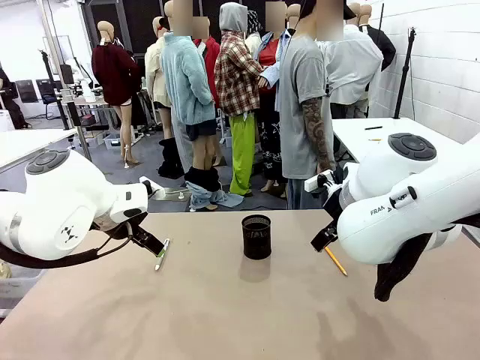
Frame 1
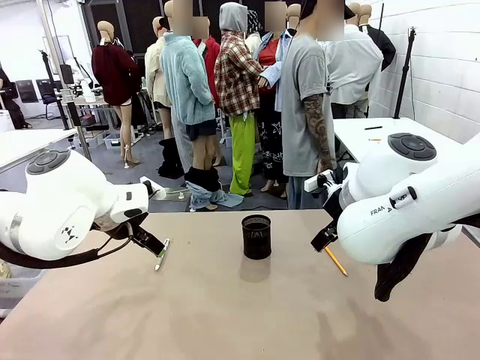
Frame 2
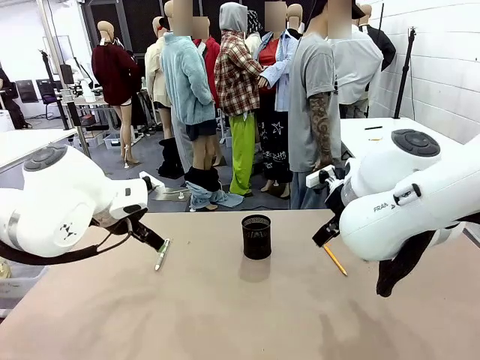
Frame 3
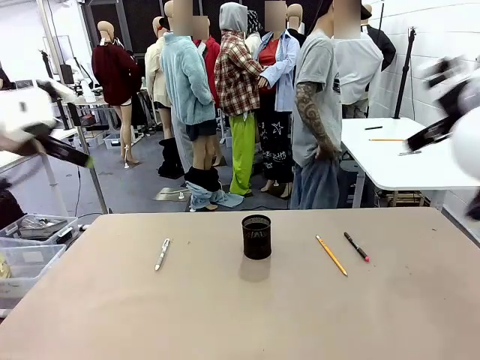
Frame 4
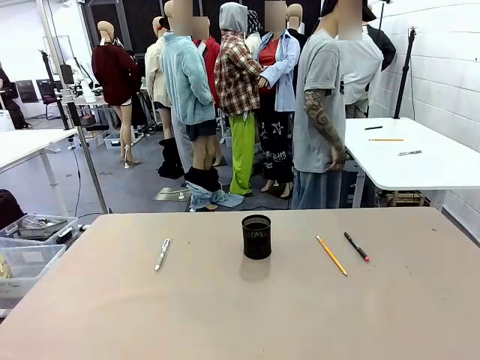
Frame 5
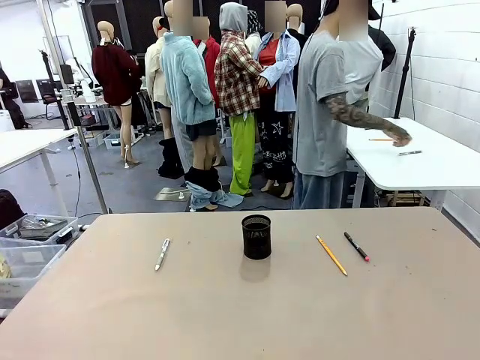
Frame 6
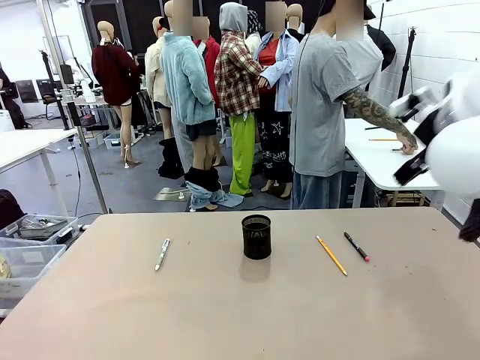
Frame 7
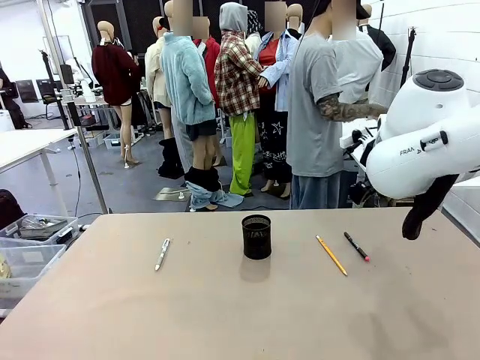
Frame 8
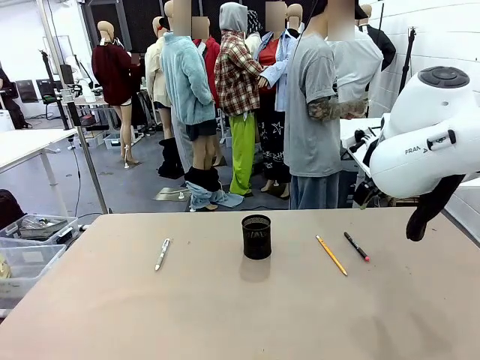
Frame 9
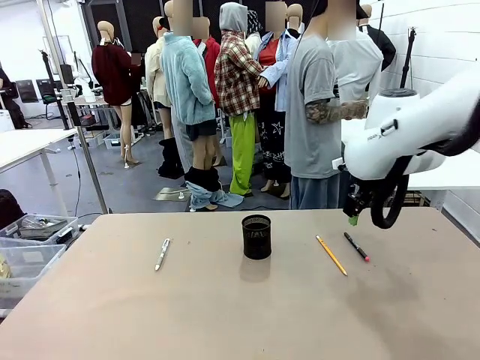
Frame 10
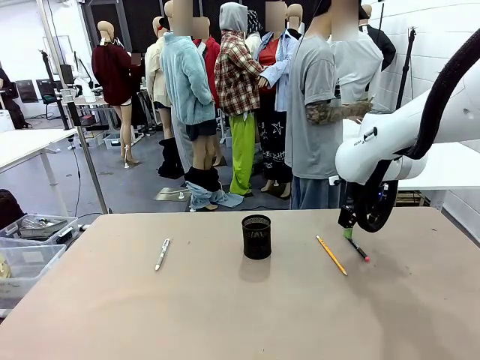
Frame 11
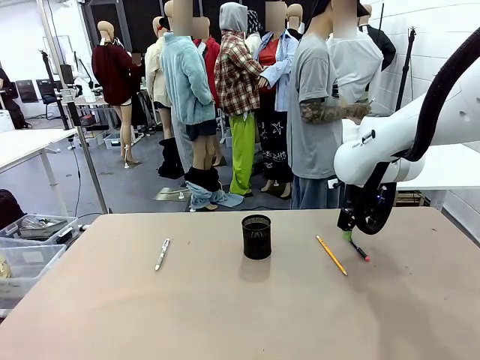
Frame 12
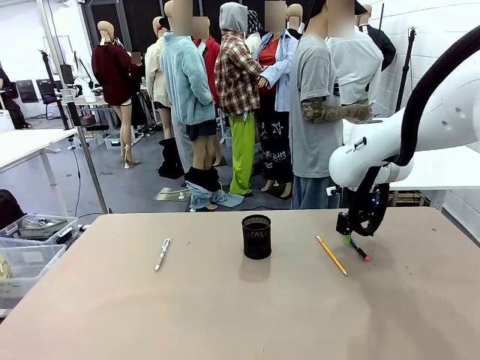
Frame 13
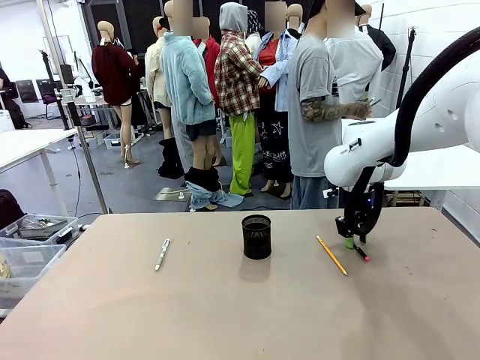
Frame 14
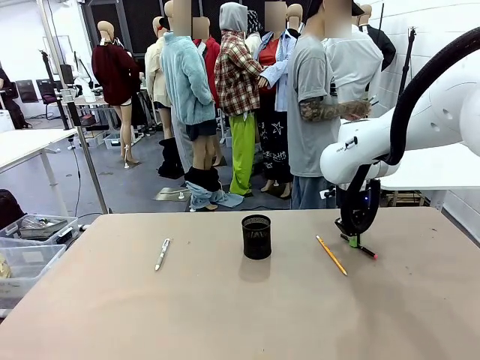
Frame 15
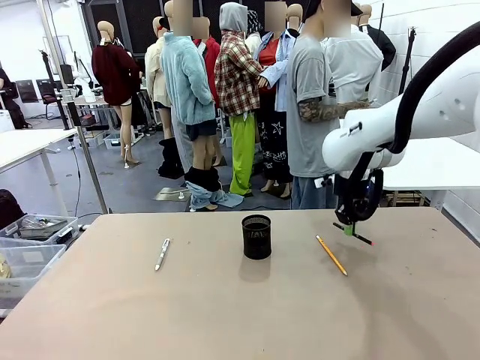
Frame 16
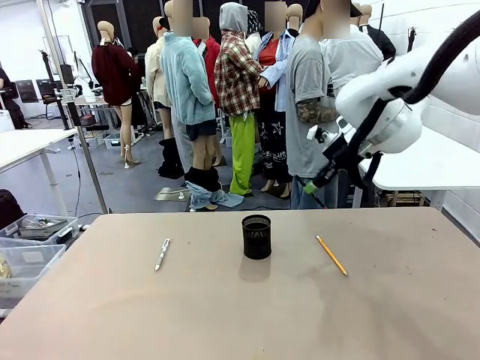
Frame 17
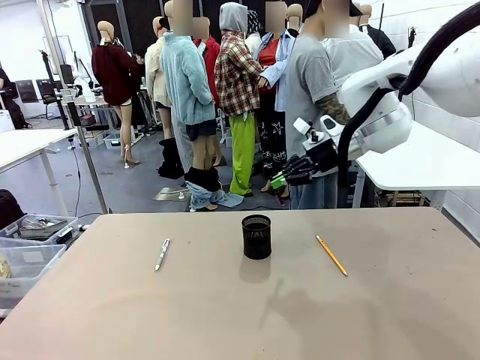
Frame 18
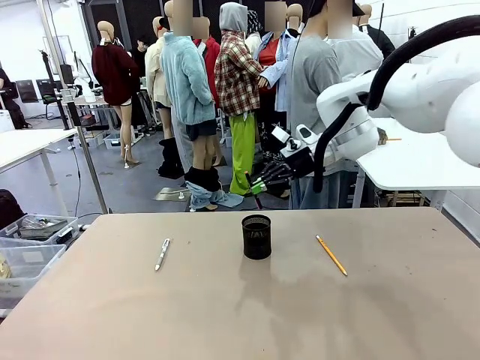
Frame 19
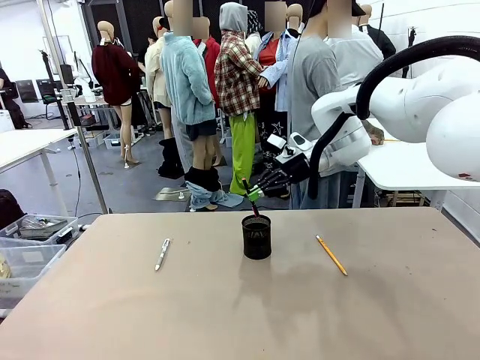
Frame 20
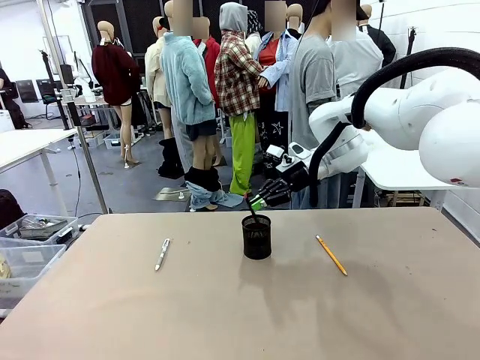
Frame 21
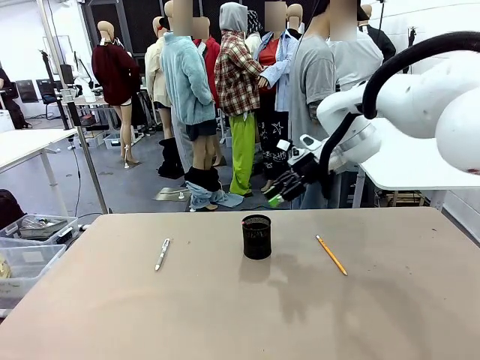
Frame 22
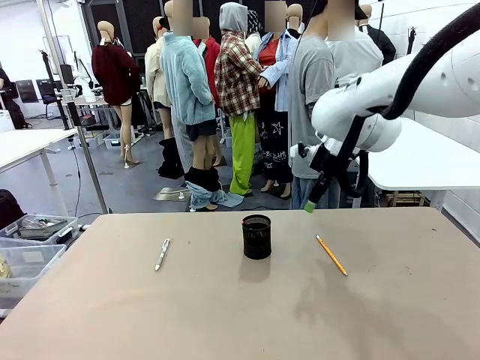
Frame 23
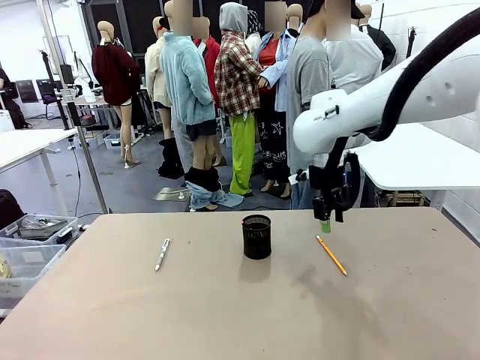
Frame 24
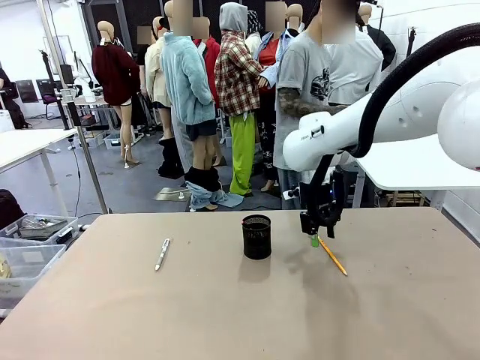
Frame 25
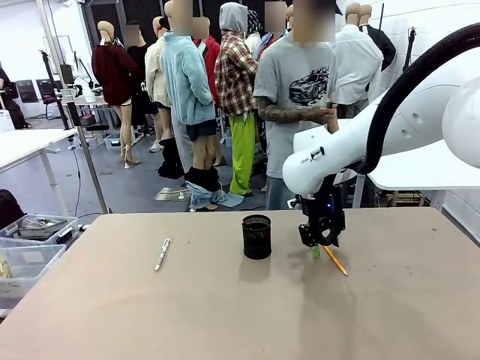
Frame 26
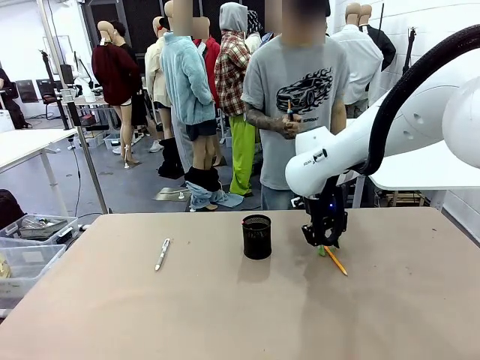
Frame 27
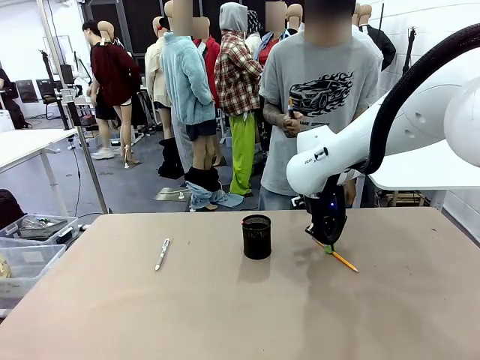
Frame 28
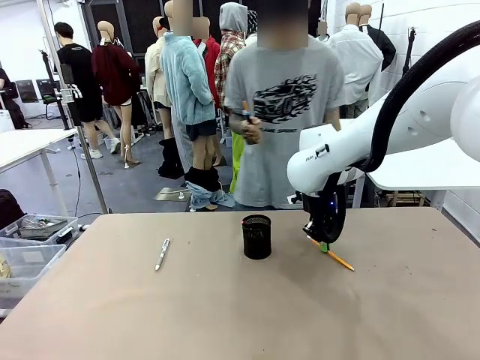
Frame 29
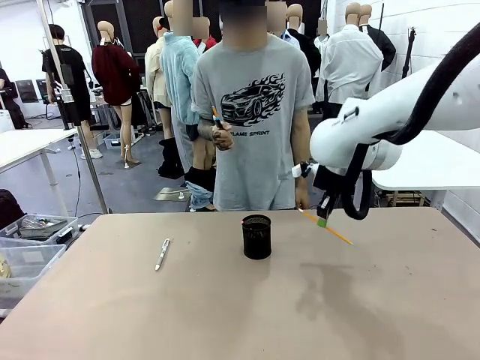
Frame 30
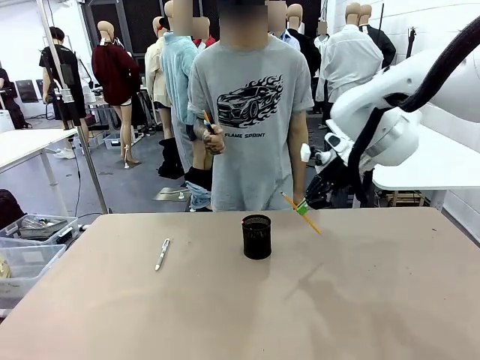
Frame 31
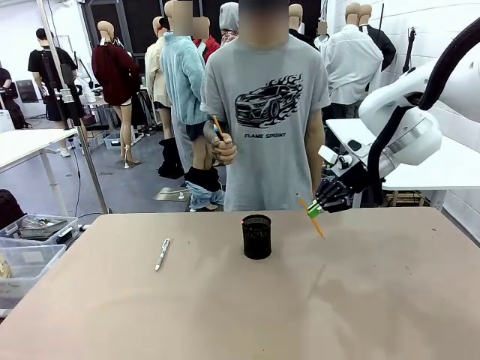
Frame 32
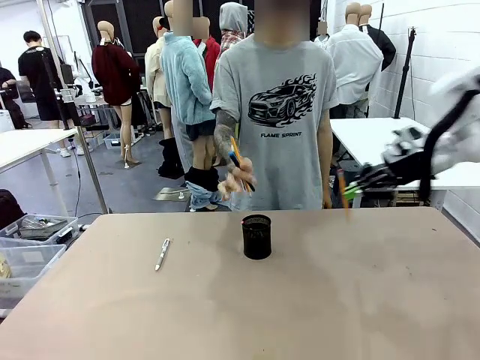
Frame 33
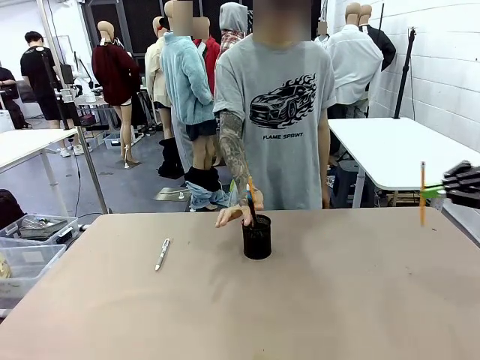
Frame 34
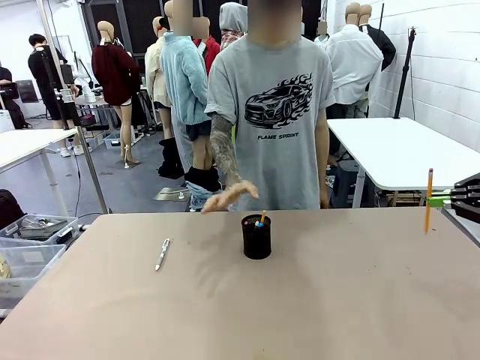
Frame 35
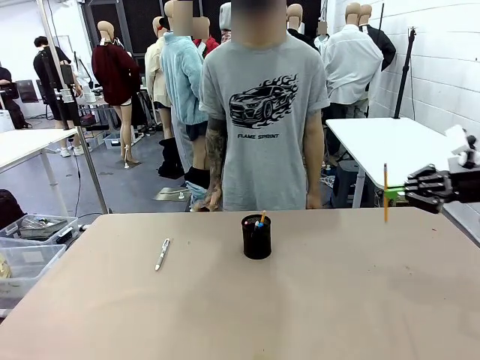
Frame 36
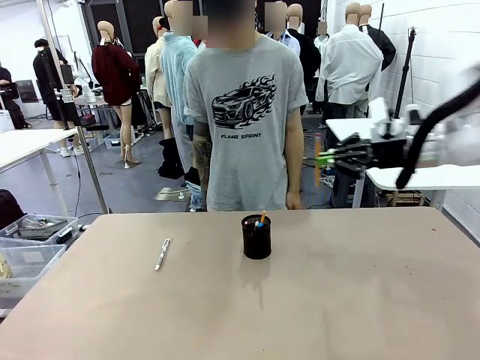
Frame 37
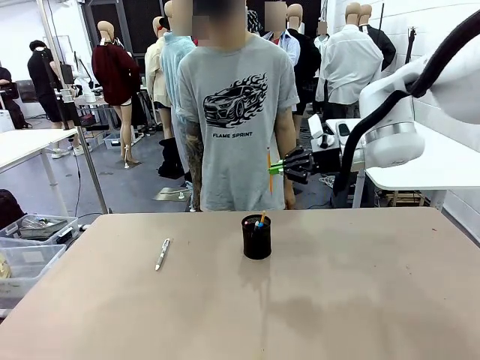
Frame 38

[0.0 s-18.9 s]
Task: Place the pens into the pen holder.
Robot: Pick up a writing instrument from the table and place it into the Pen holder.
Person: Pick up all writing instruments from the Human table.
